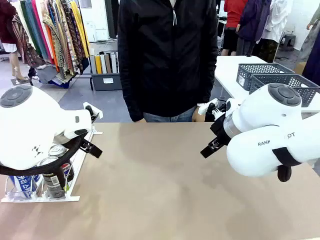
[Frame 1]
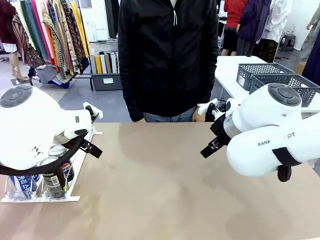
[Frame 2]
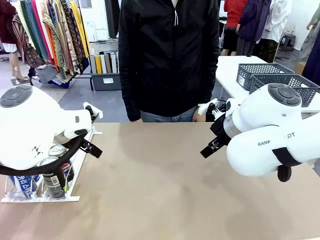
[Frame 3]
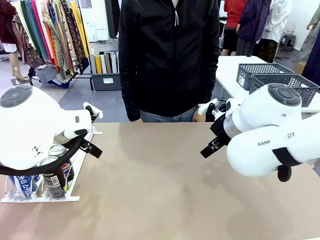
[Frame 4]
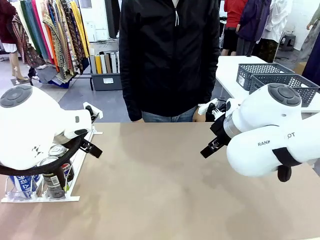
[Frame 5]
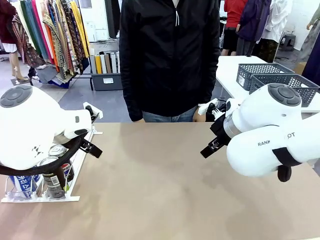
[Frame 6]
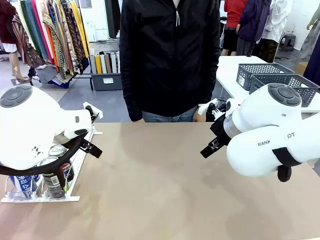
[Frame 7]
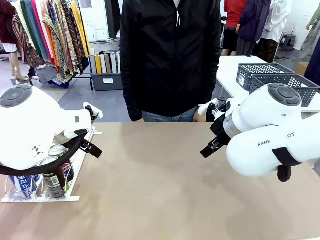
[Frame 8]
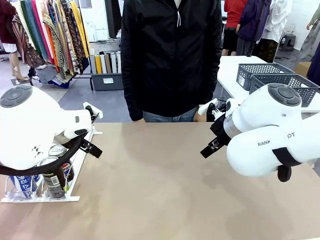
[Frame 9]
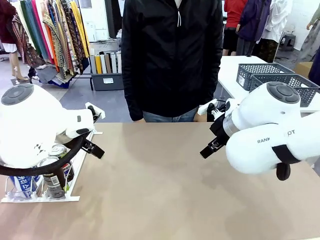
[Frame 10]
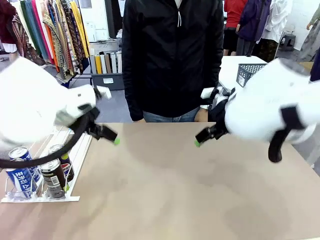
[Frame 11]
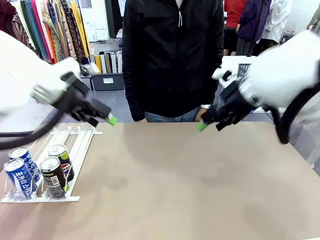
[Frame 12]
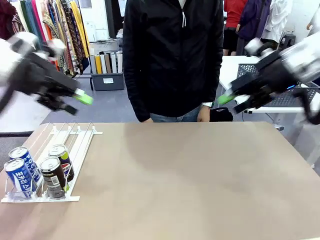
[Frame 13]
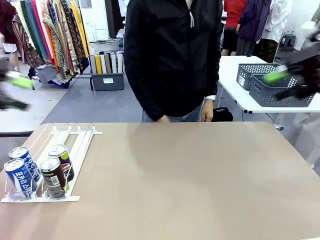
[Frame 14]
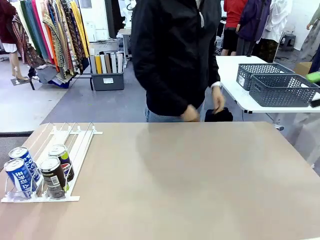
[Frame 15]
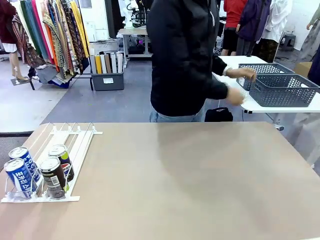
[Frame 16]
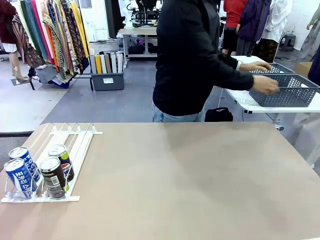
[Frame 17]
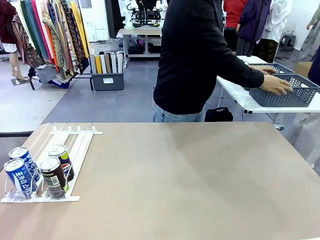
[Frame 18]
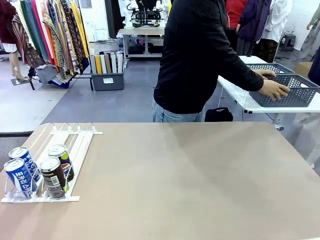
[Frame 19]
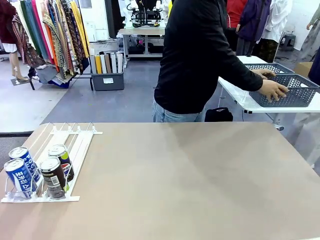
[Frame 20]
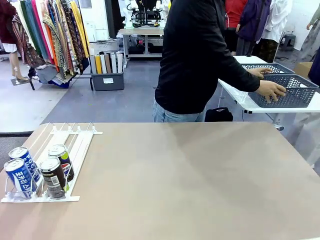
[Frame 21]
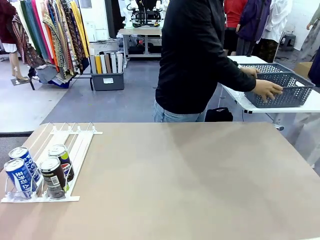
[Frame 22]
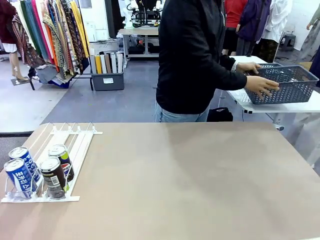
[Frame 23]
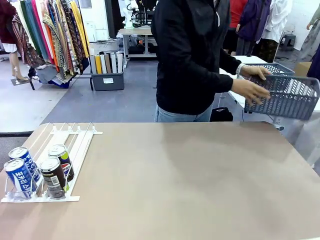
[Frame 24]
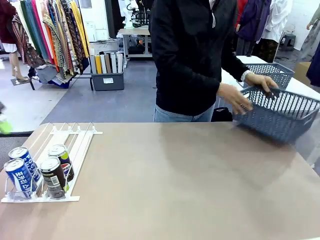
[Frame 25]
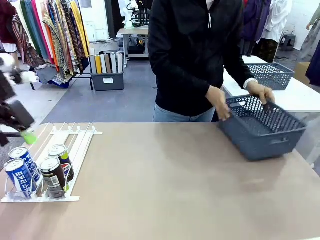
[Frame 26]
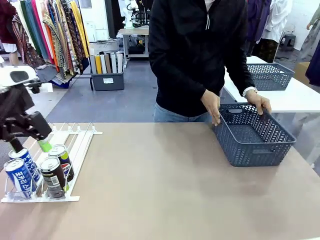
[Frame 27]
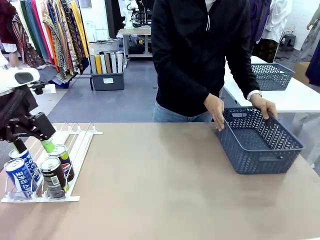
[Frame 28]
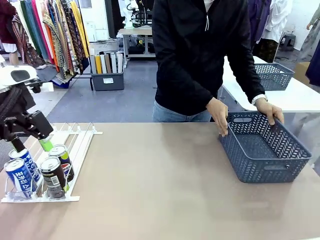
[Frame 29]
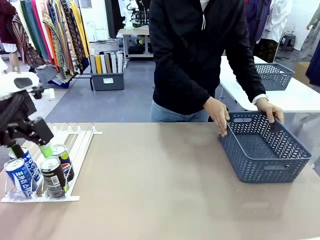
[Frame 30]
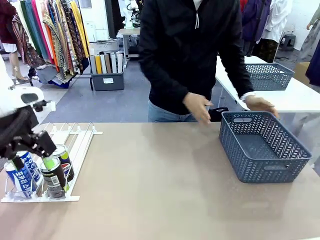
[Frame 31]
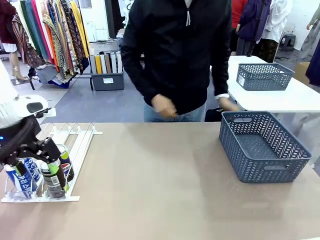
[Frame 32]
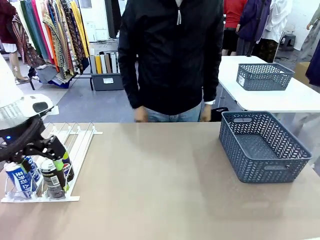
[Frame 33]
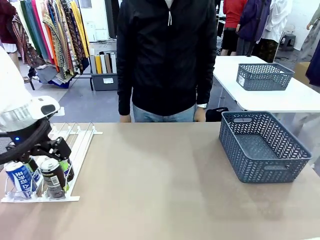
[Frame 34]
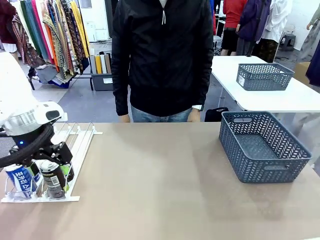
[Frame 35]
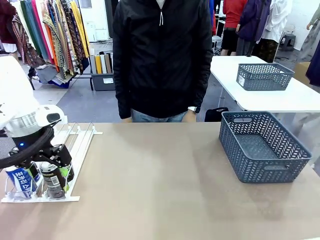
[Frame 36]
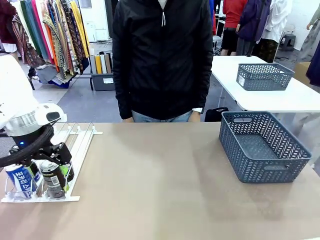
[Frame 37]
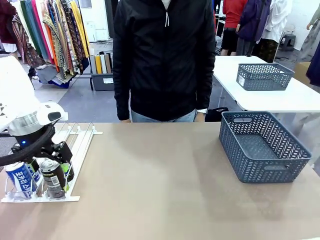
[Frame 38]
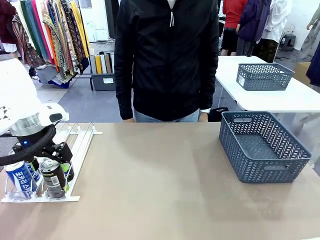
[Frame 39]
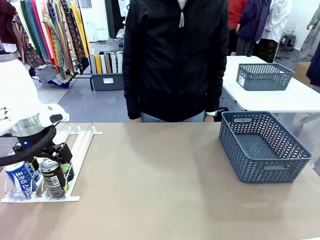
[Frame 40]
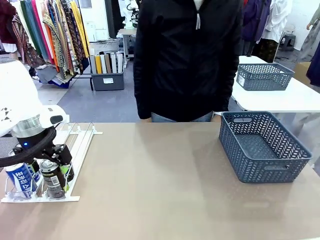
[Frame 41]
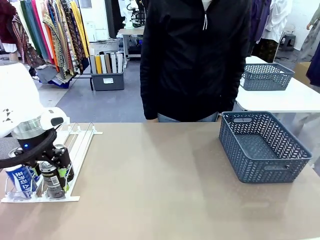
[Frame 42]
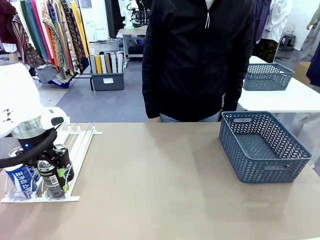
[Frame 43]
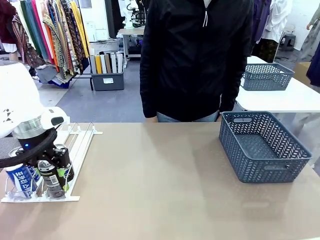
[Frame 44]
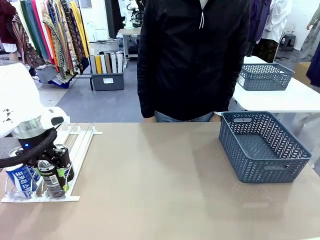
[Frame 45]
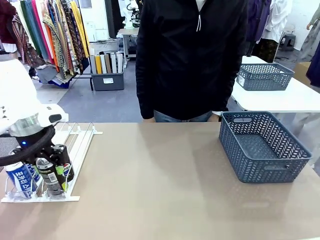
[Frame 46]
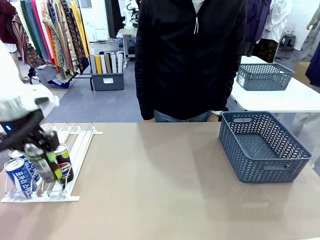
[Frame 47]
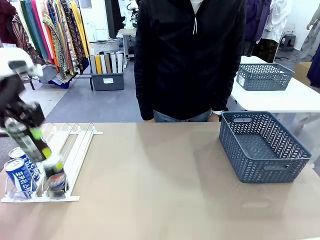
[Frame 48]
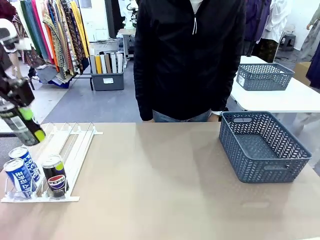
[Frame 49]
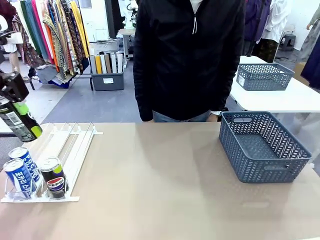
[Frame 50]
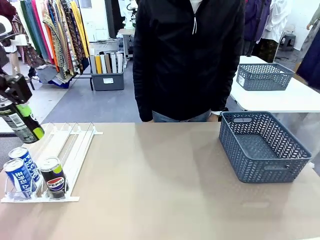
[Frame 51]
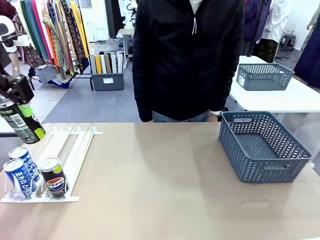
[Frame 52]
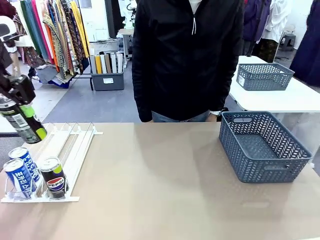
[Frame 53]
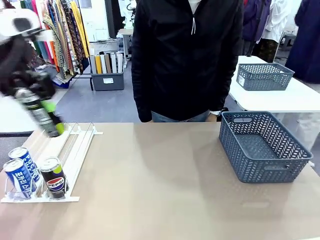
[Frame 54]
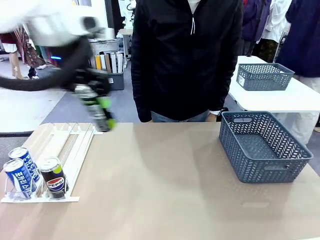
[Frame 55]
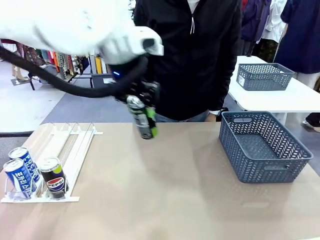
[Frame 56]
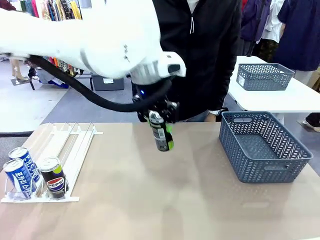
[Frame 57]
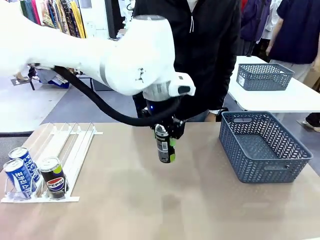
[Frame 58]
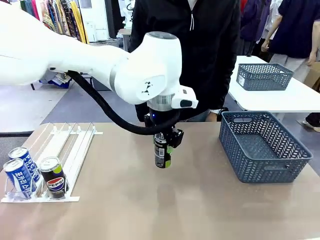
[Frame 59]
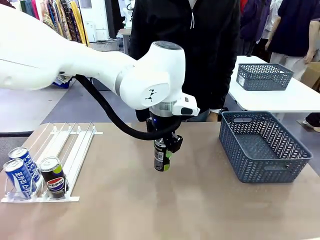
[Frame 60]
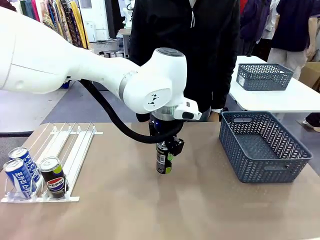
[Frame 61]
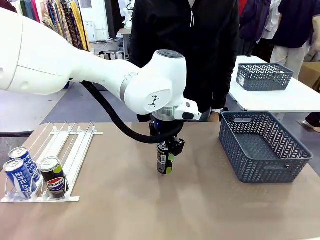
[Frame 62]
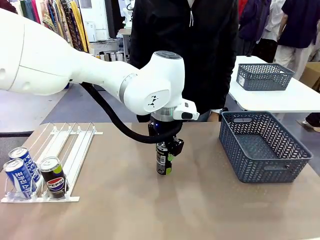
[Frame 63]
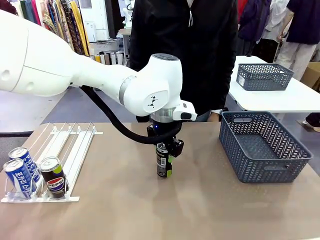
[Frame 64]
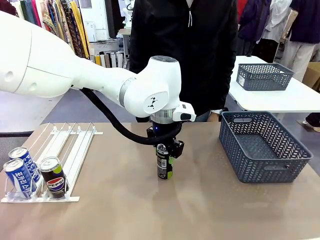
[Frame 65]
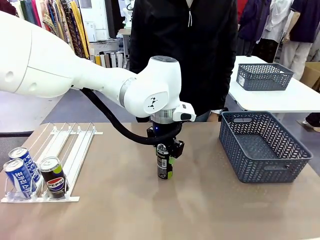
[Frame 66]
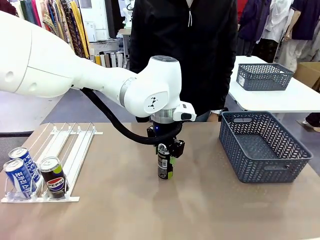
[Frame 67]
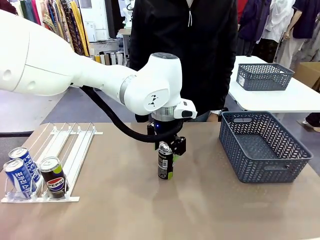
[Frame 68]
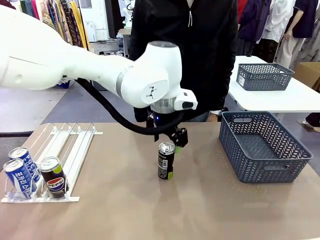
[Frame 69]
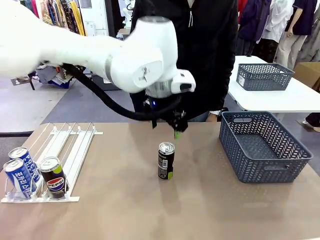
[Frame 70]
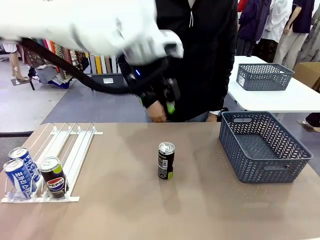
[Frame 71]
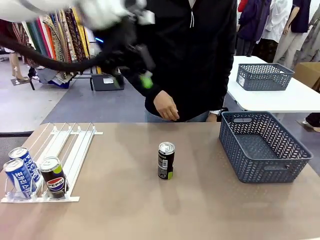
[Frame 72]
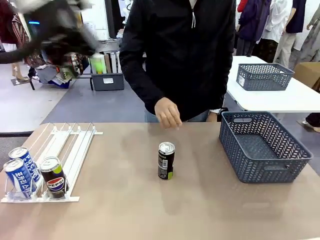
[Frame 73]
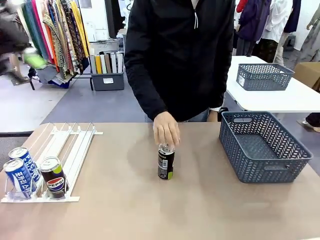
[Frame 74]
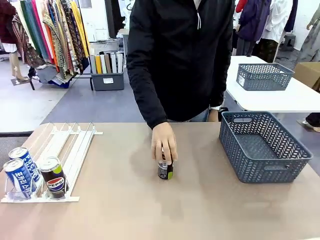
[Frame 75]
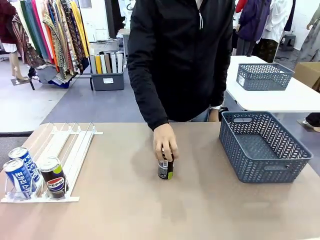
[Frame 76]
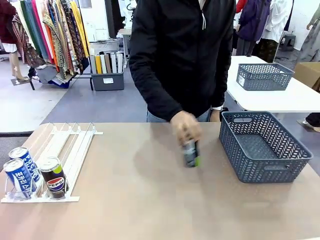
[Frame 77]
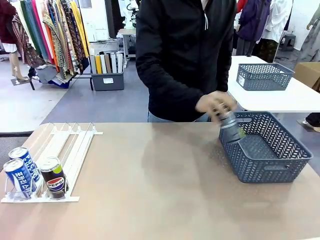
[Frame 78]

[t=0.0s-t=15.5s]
Task: Retrieve and store the cans from the dispenser.
Robot: Pick up one can from the Automatic Can Dispenser and place it in the middle of the table.
Person: Pick up the basket and place it on the left side of the robot table.
